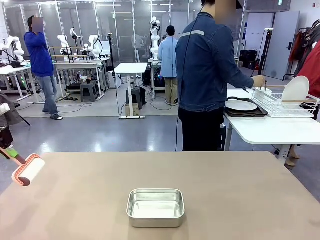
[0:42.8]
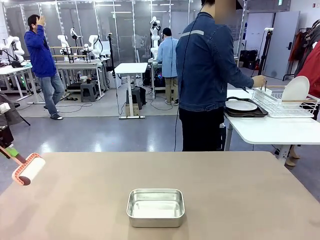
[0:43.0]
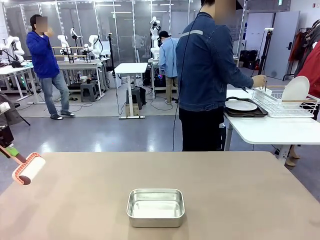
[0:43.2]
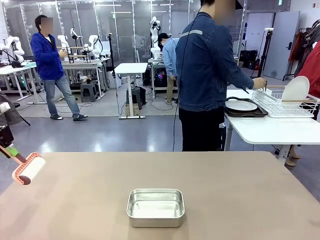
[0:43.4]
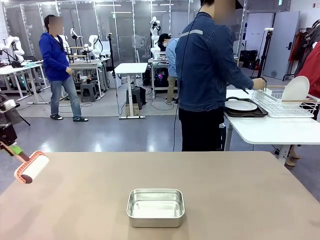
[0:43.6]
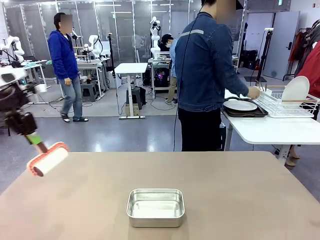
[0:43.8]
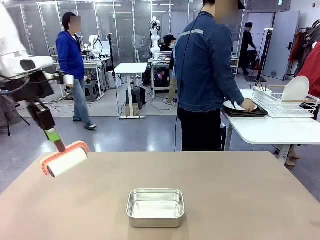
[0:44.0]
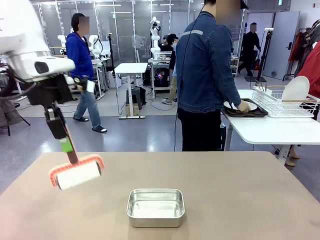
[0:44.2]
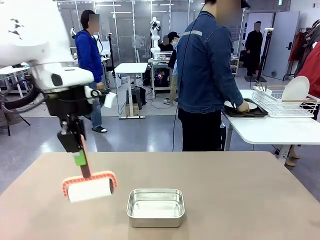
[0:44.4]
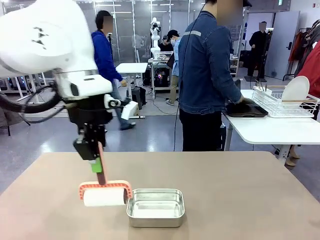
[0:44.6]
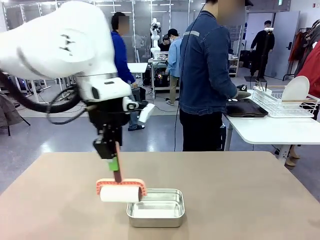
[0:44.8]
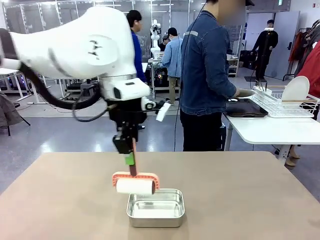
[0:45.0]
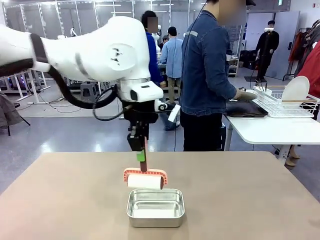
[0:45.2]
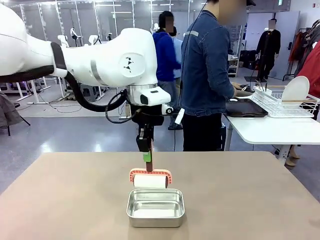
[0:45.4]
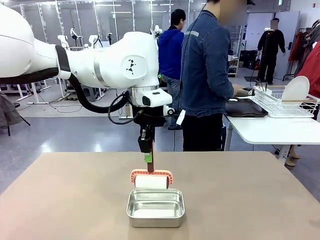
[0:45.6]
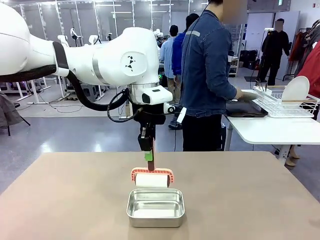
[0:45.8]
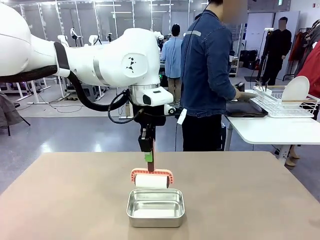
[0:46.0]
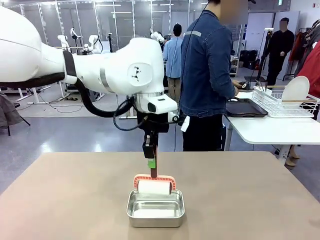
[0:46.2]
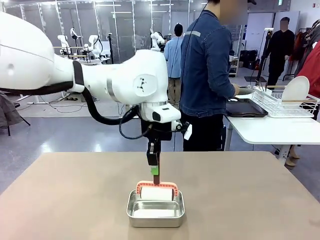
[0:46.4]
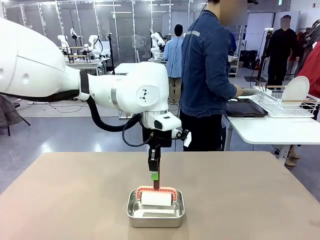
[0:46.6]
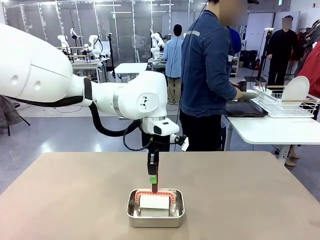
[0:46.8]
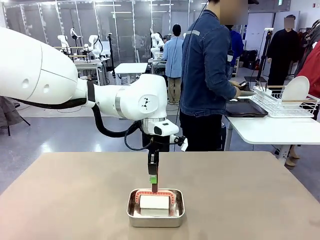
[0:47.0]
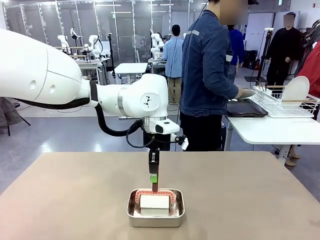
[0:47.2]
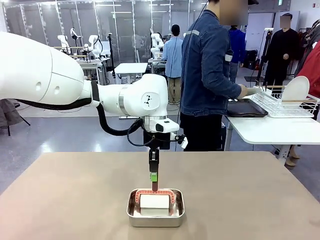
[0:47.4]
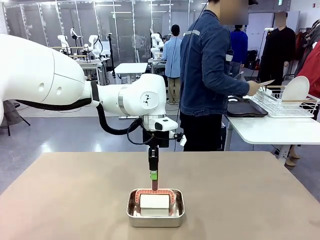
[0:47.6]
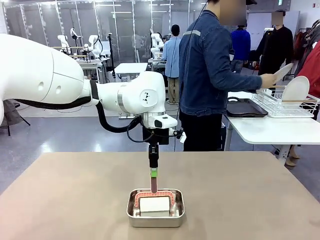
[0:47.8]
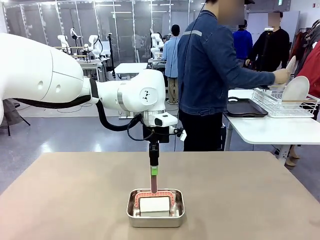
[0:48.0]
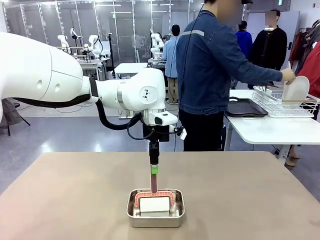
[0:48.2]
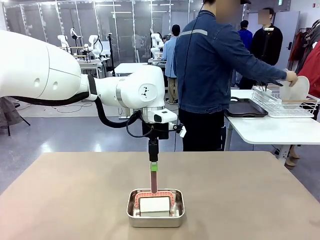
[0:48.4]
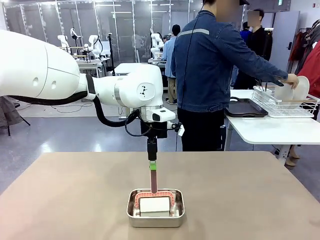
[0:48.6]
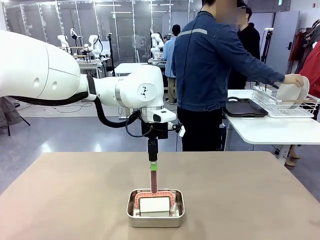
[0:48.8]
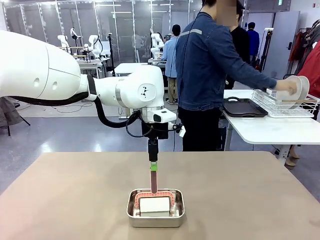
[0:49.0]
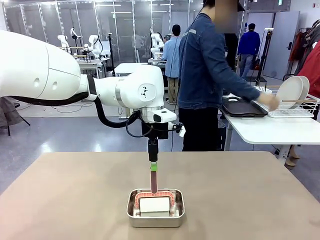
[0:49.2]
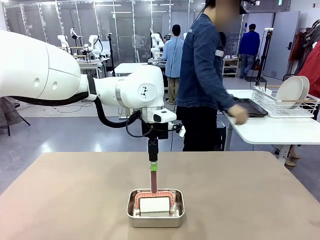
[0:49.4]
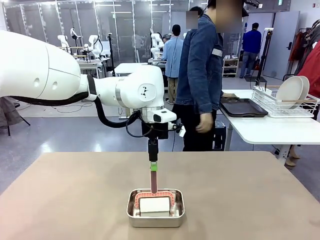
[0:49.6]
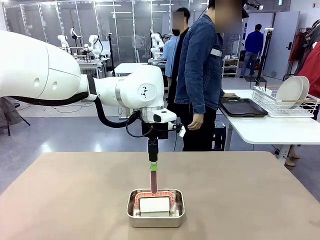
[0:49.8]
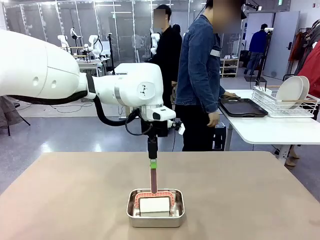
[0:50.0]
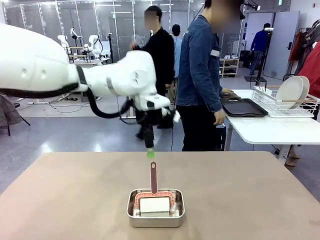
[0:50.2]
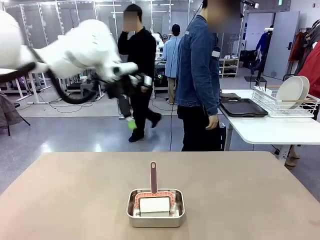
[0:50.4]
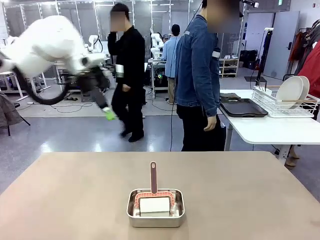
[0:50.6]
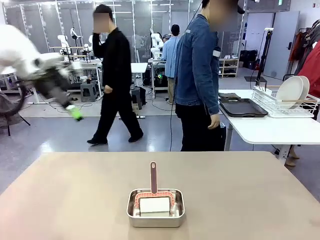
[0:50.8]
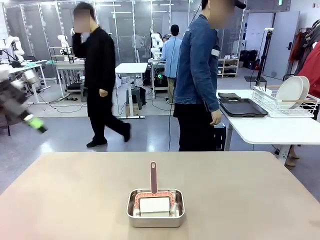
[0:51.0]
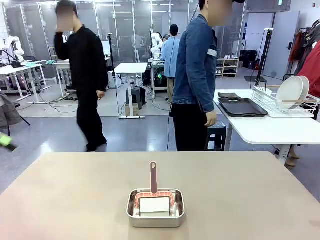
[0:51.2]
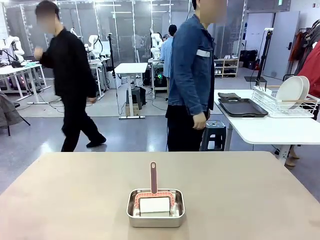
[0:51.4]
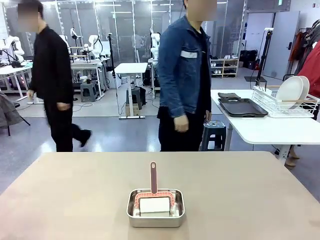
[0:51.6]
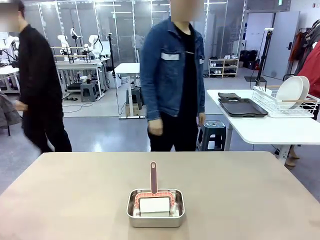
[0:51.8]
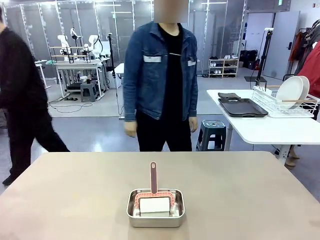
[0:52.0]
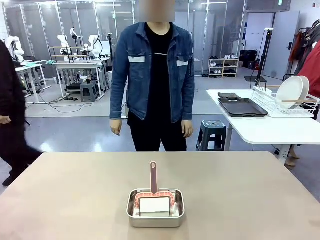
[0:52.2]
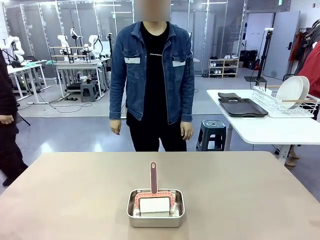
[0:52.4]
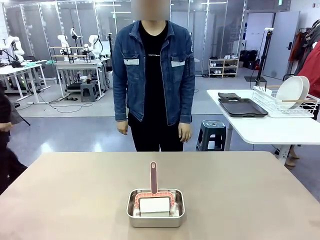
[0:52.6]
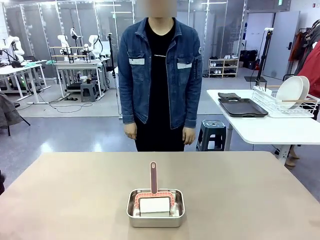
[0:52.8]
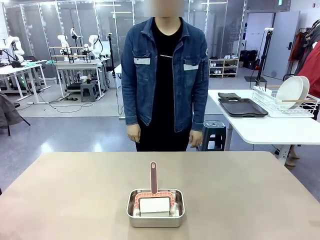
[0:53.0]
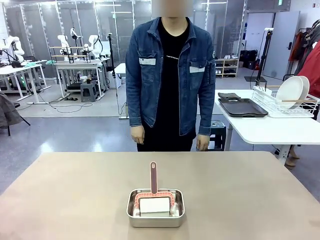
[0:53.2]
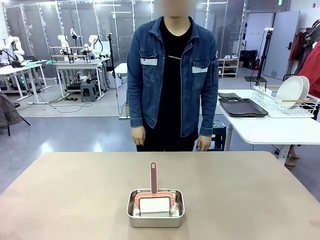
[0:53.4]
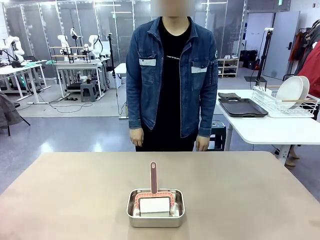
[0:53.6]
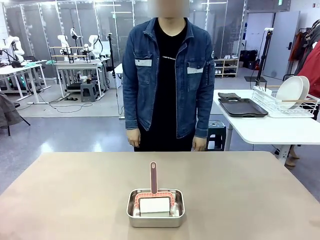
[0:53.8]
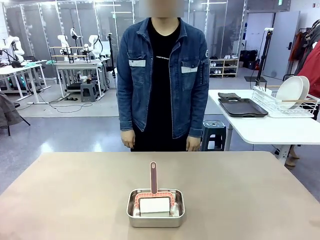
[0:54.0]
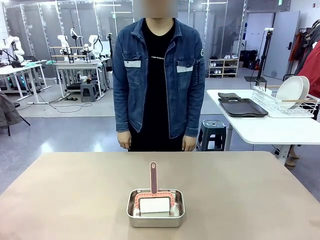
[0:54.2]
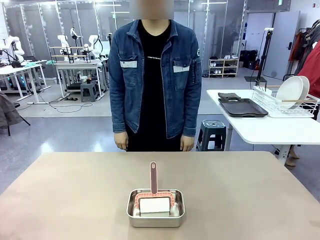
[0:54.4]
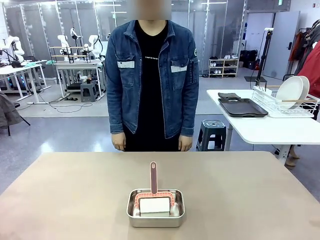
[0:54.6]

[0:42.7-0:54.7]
Robot: Place the Lint Roller back on top of the Airtight Container.
Person: Use the Towel with hook to wipe the Plastic Matte Plate , Fork , and Knife and place into the Dish drying rack.
